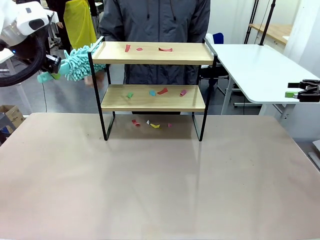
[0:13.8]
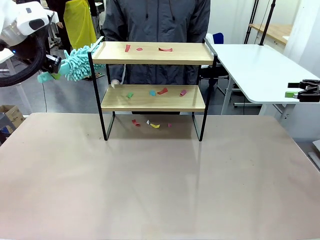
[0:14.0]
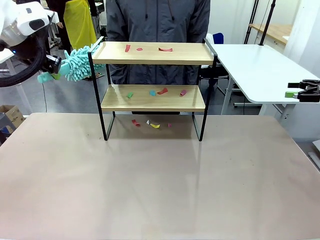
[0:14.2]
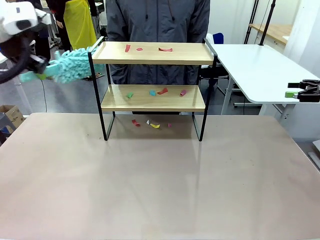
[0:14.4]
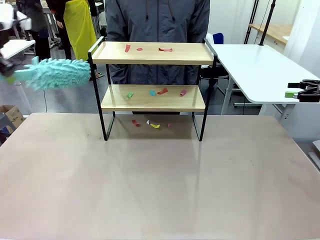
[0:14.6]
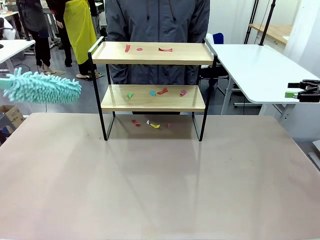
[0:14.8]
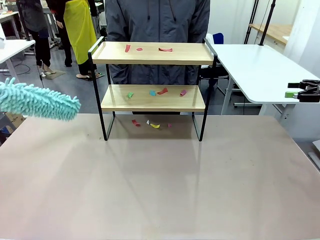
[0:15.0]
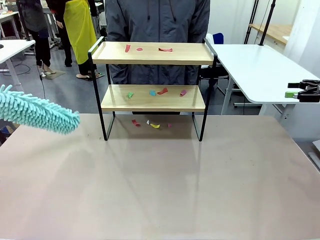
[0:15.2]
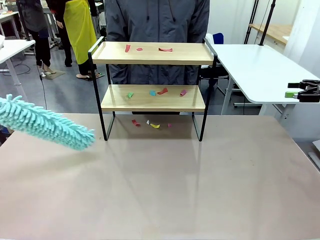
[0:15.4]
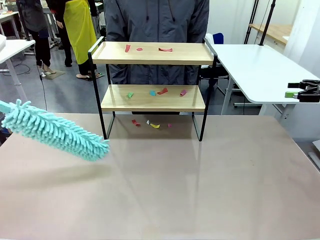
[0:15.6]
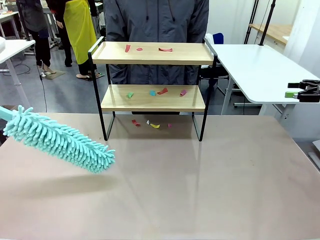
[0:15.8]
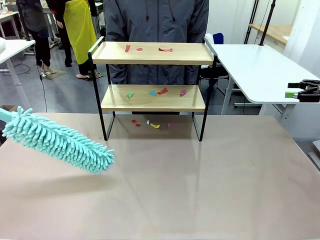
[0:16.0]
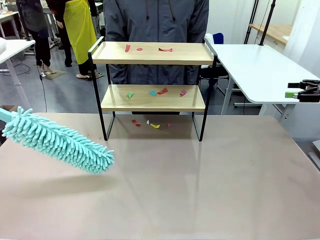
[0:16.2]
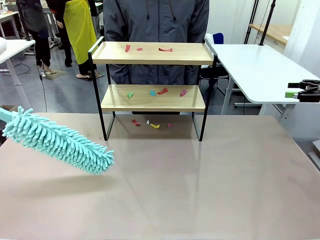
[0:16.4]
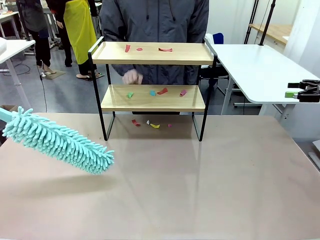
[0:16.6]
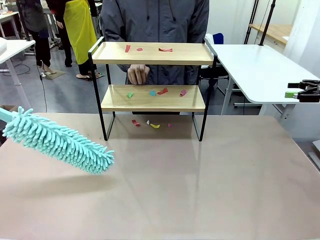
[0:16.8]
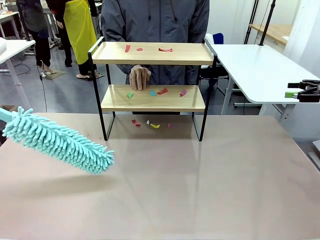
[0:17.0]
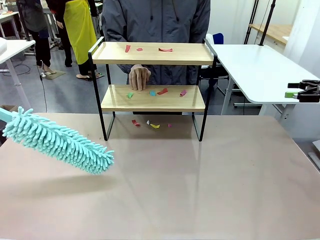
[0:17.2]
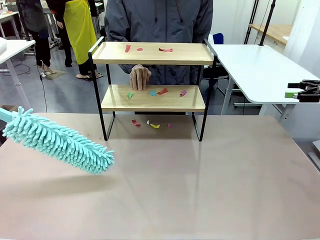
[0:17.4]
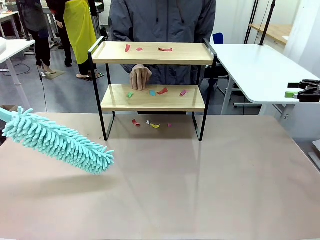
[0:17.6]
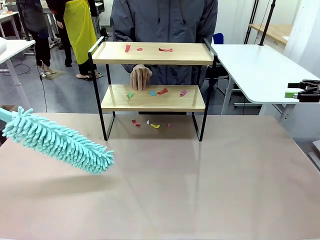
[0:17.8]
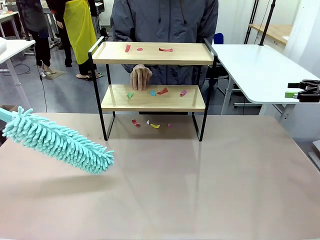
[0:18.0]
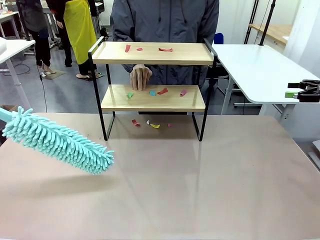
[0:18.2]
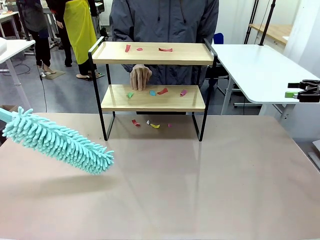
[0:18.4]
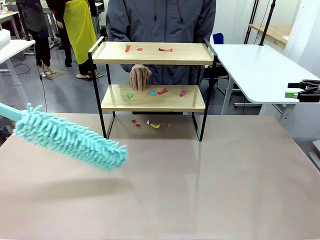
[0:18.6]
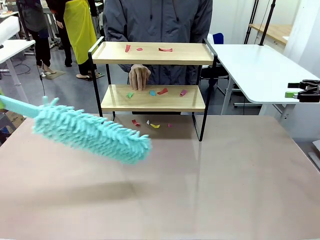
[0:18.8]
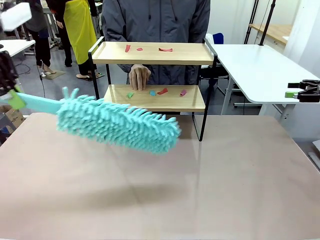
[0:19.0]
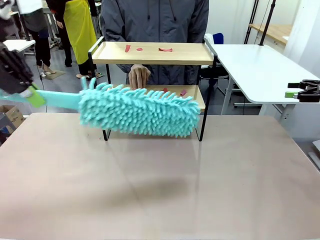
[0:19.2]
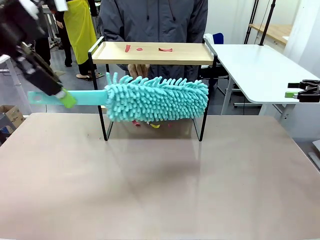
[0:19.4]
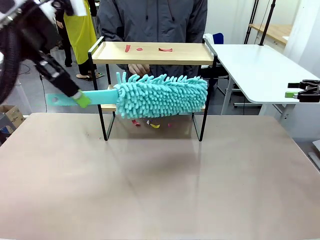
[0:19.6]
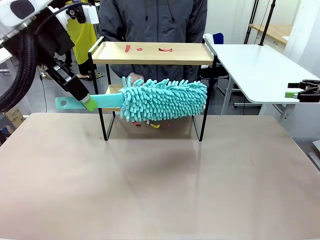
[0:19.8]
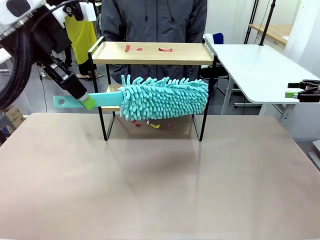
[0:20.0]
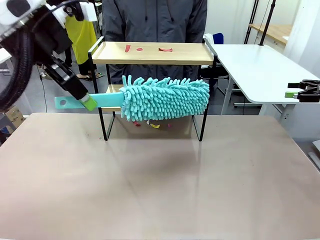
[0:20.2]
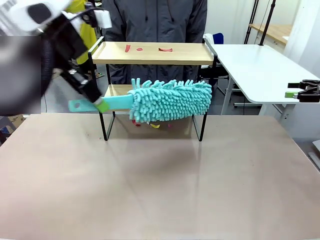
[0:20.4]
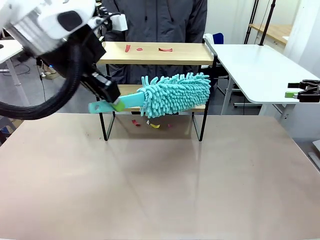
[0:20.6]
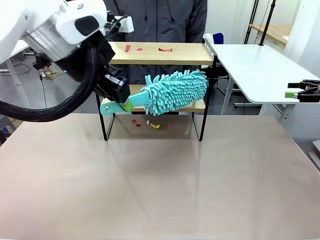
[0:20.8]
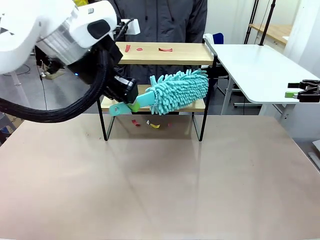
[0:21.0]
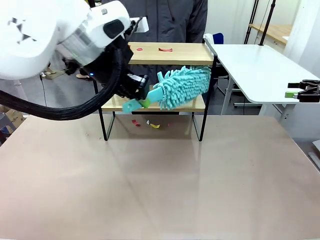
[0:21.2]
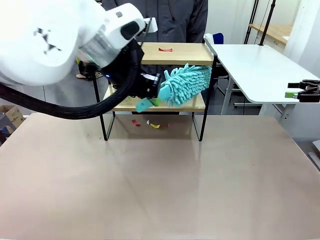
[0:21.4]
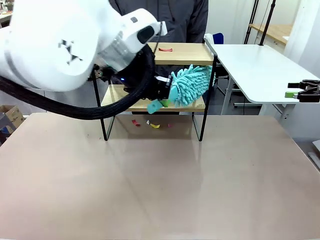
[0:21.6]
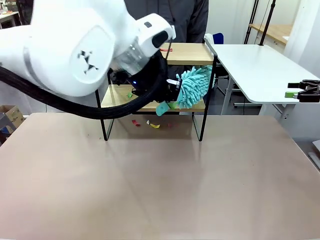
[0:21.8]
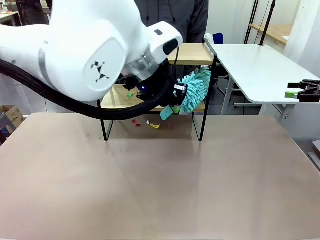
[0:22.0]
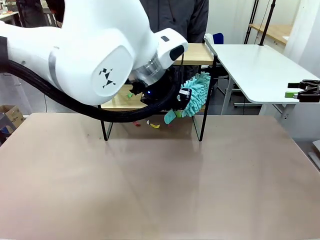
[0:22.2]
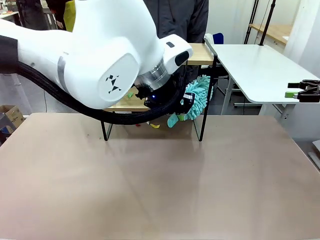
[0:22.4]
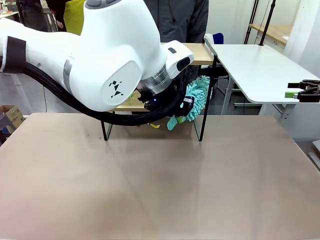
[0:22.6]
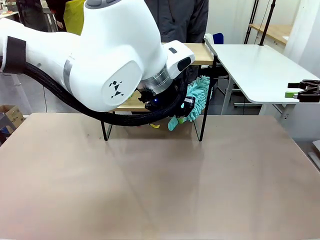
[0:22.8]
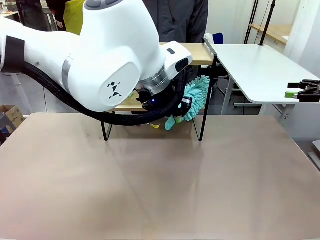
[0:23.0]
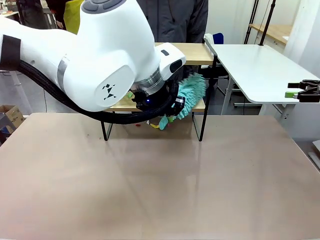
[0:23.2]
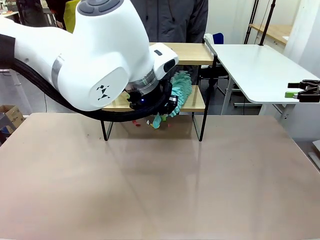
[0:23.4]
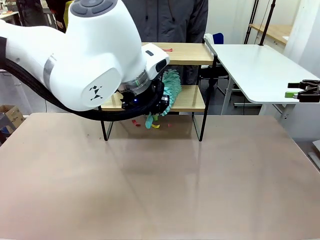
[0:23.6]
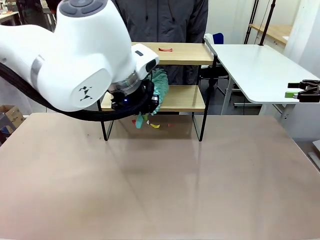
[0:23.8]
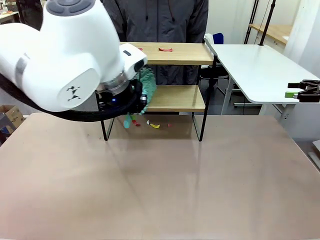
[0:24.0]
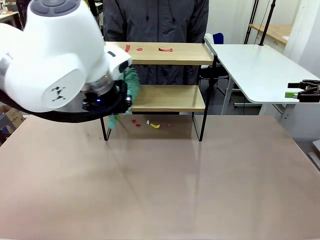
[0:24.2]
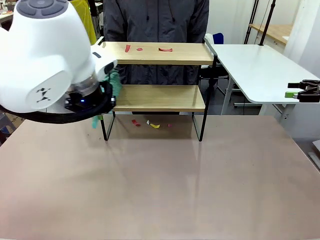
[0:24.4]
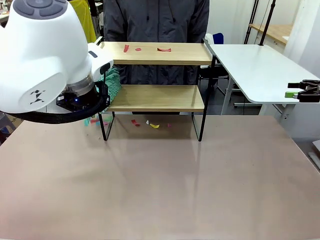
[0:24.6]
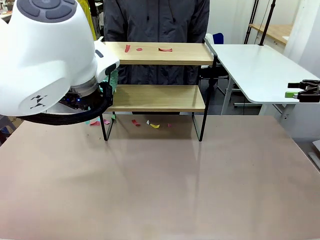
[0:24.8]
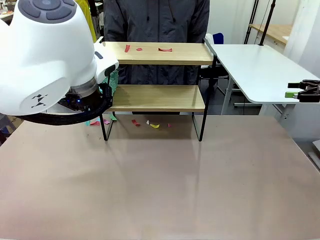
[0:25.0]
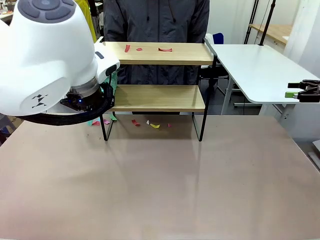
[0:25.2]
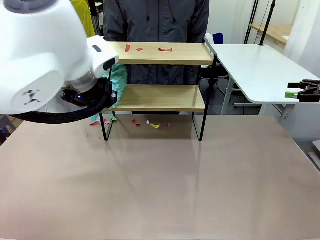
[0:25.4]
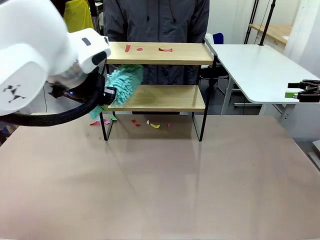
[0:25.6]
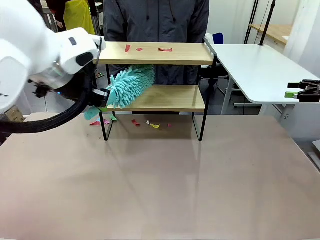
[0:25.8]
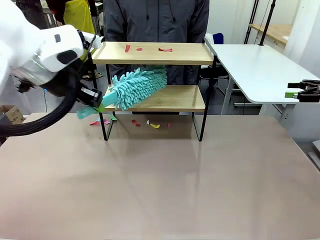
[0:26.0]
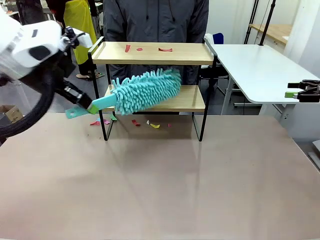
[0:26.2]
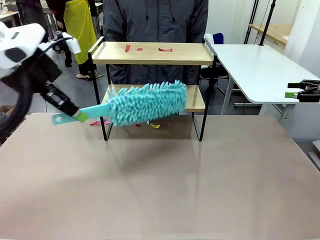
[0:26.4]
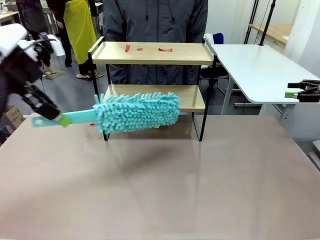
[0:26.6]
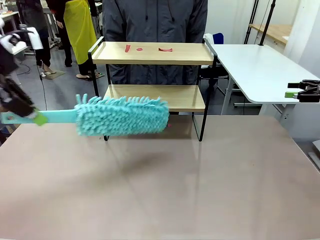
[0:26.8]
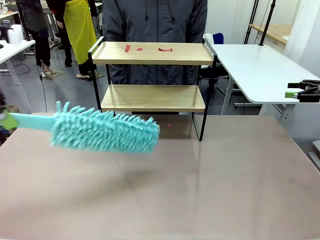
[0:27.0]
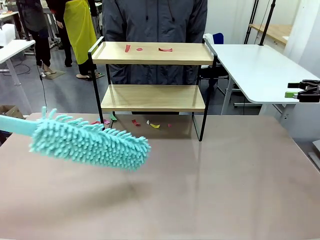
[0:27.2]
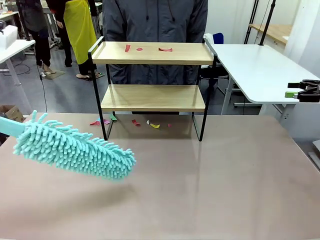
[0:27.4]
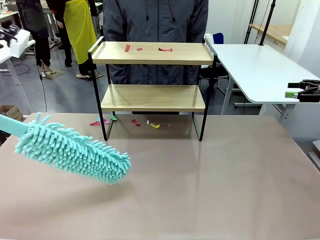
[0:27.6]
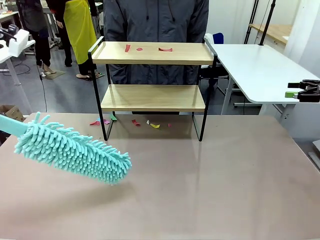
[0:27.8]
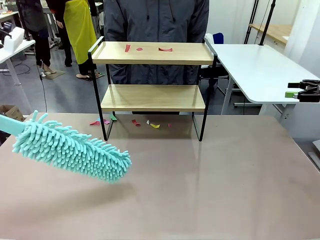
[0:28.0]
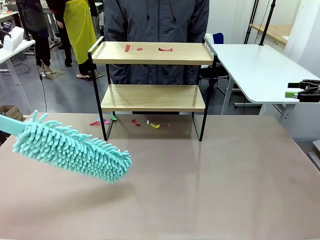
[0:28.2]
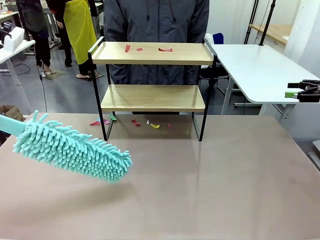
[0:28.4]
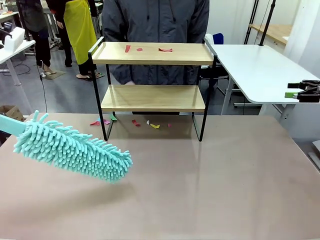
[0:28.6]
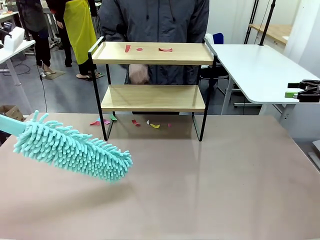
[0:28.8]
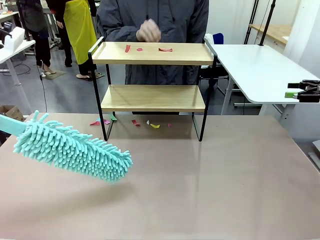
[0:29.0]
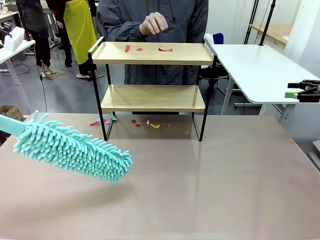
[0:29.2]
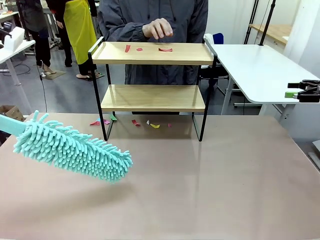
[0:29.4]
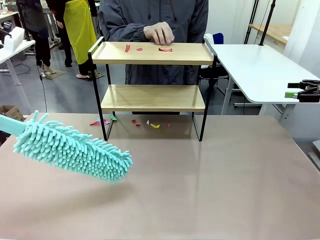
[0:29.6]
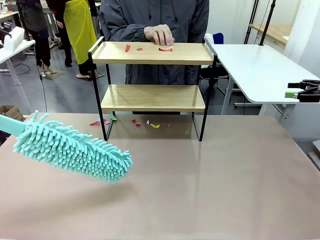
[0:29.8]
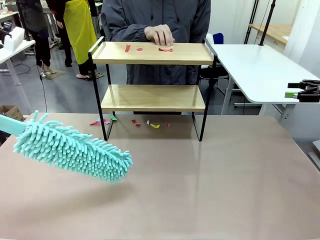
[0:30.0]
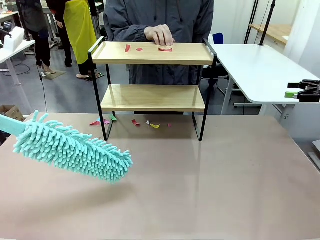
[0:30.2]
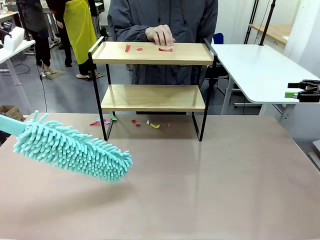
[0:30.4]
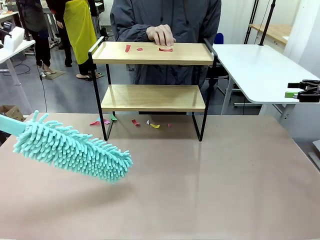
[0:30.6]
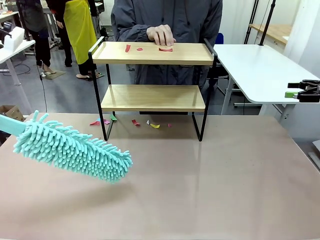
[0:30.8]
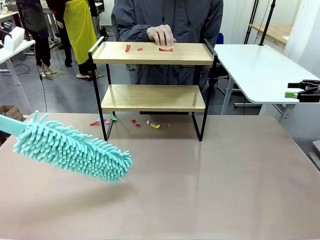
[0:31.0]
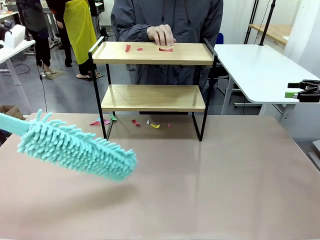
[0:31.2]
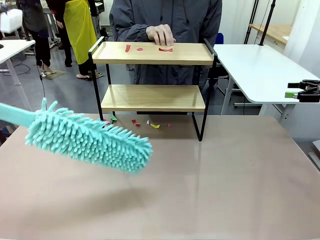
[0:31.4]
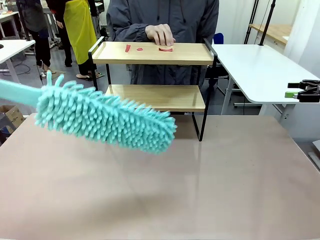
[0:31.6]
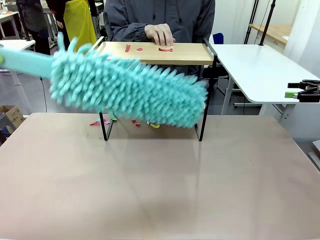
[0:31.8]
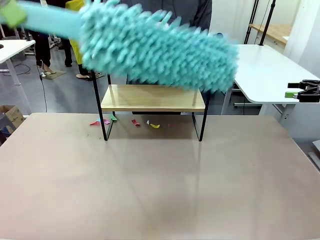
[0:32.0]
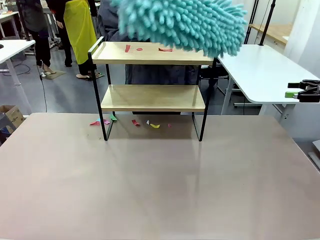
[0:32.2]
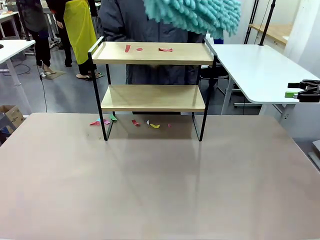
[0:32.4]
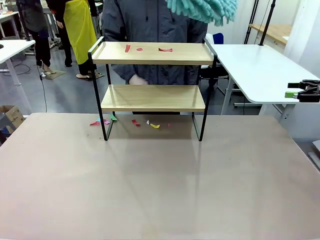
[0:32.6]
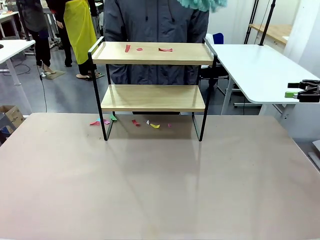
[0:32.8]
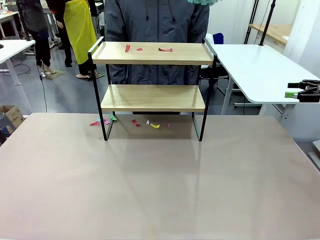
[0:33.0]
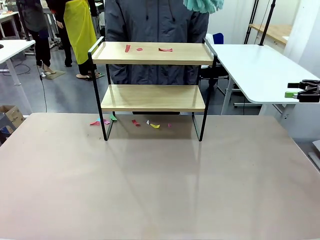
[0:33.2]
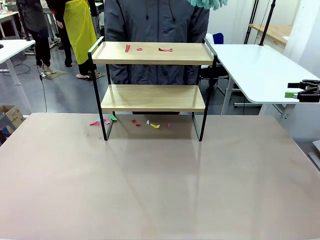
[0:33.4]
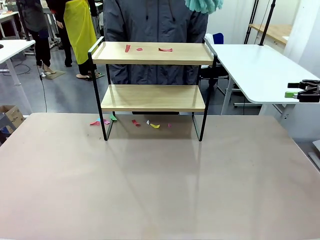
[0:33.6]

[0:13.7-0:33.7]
Task: Clean the shelf.
Robot: Clean the specific section of the Shelf indicated by the human with the Duster.
Person: Point a random section of the Shelf.
